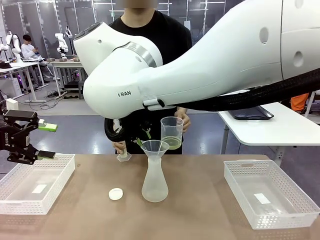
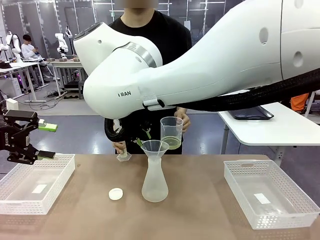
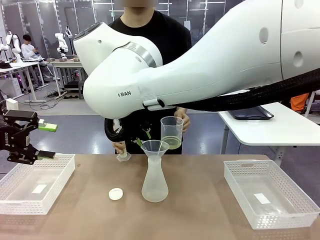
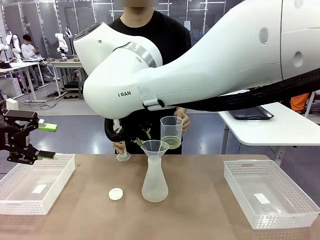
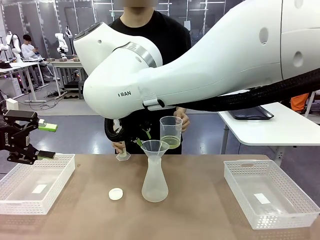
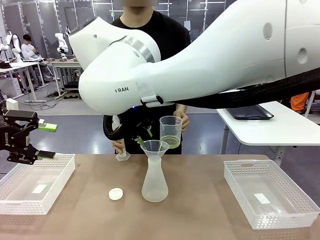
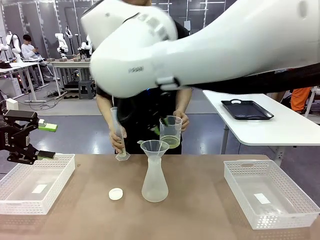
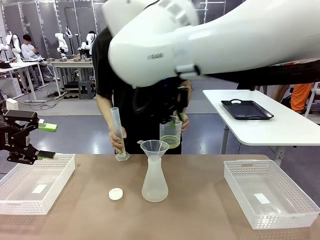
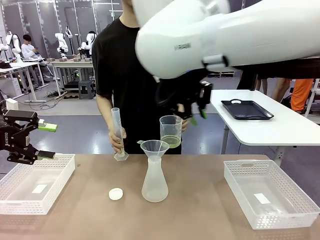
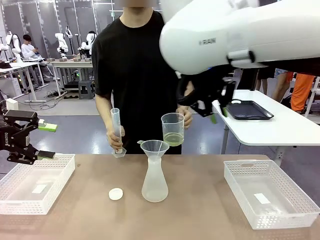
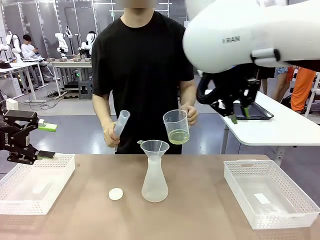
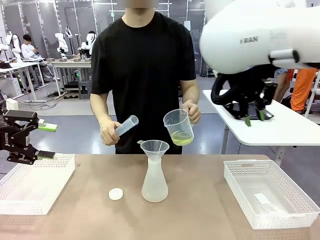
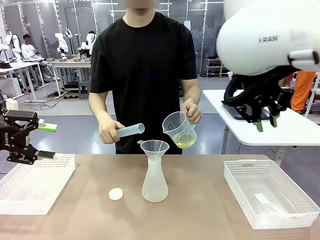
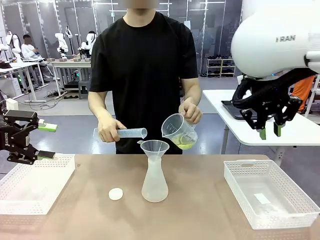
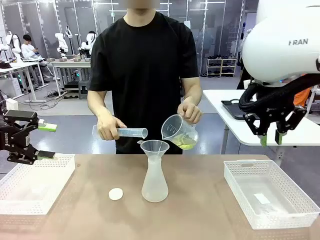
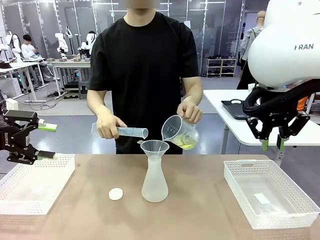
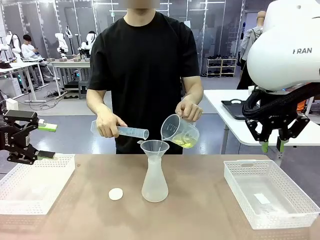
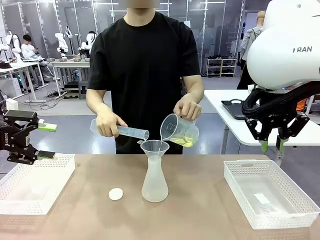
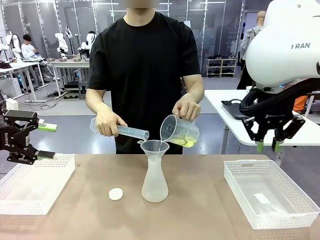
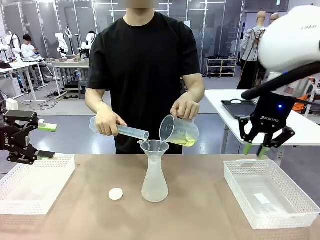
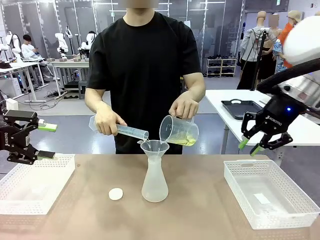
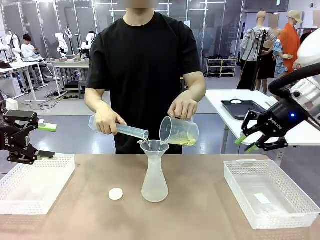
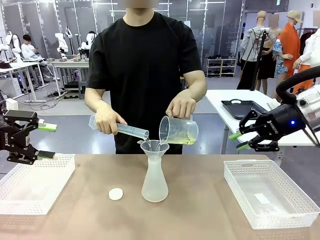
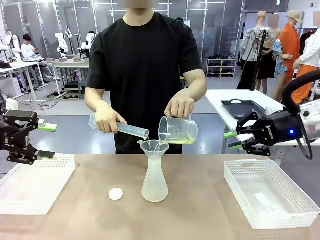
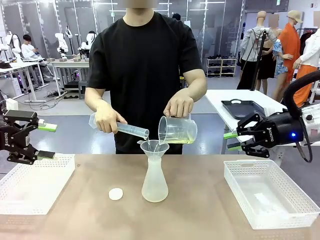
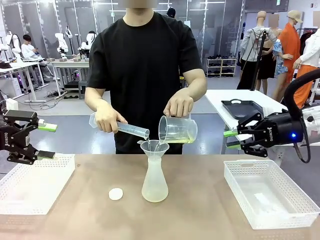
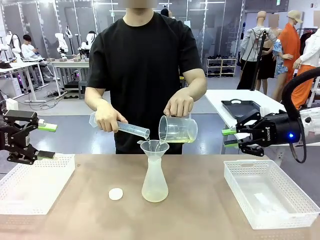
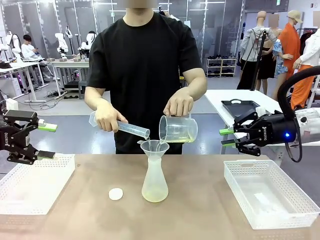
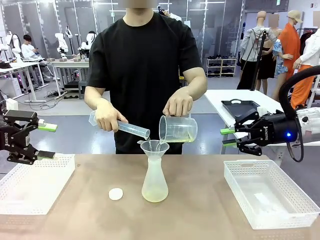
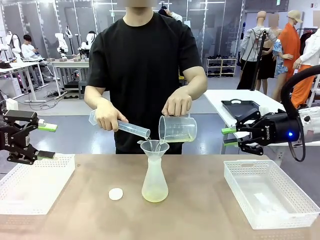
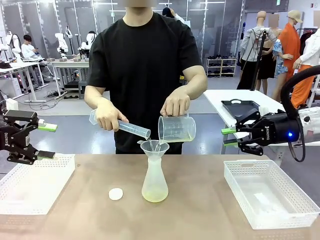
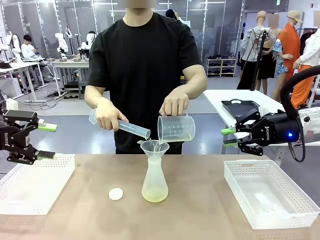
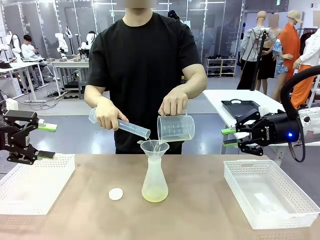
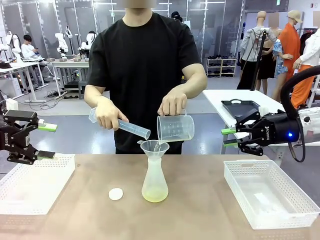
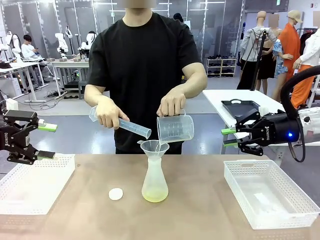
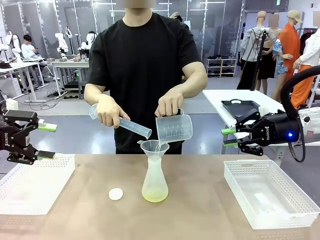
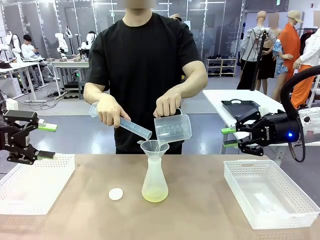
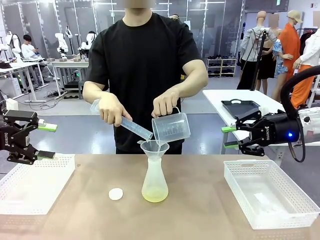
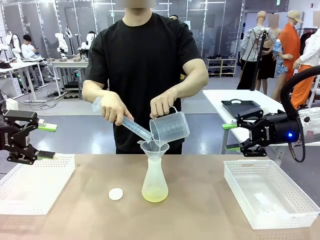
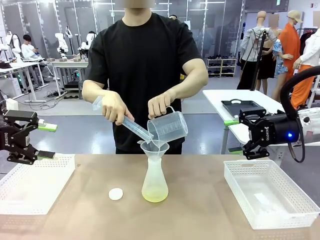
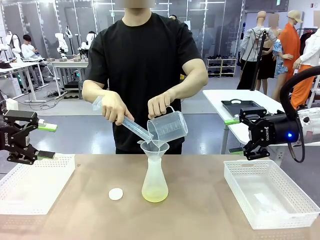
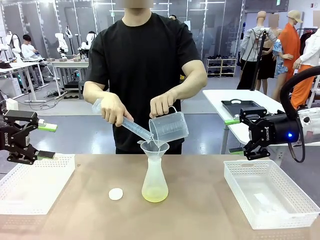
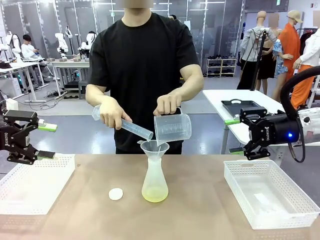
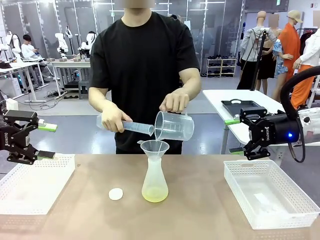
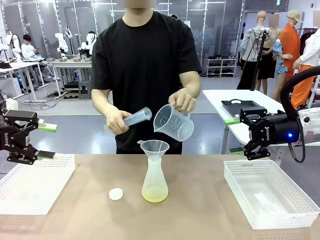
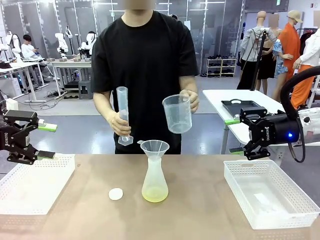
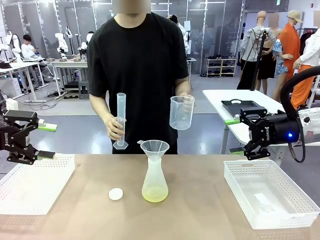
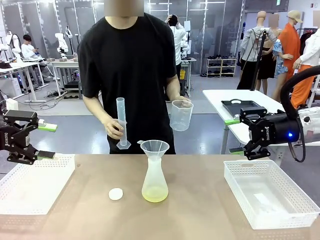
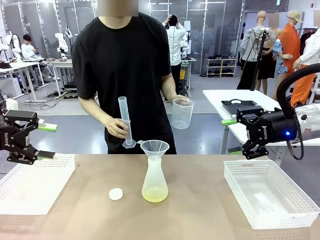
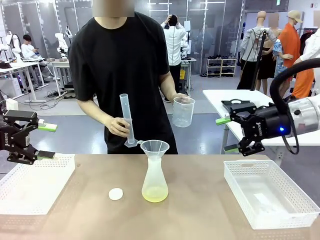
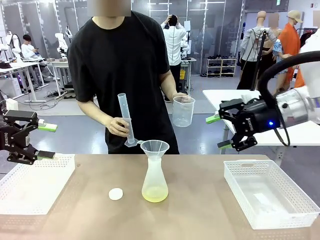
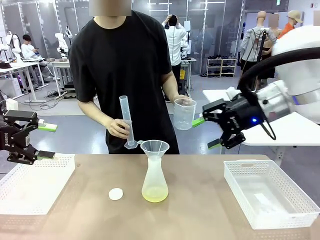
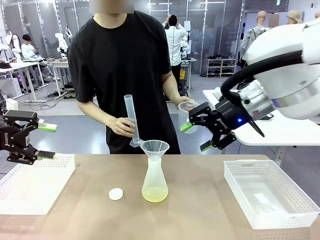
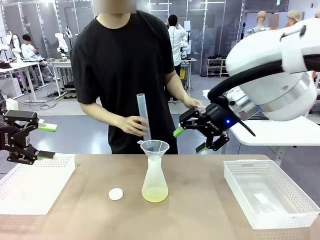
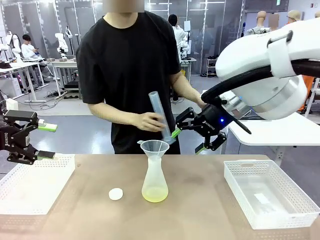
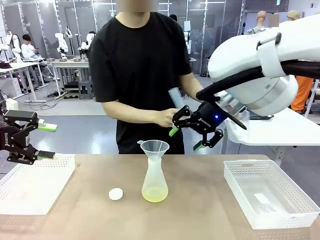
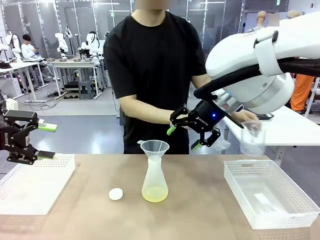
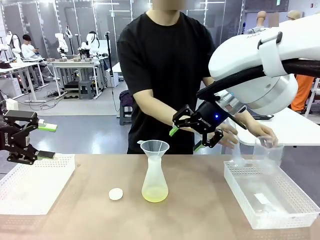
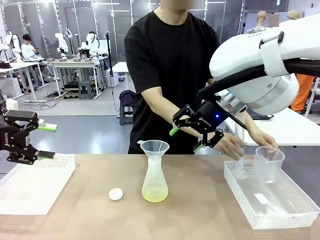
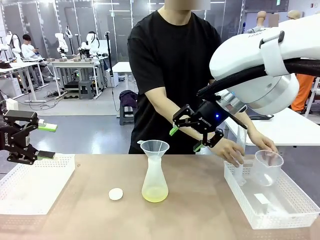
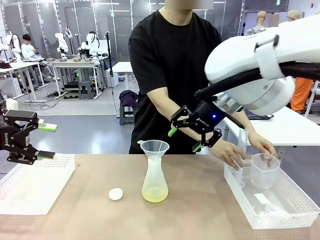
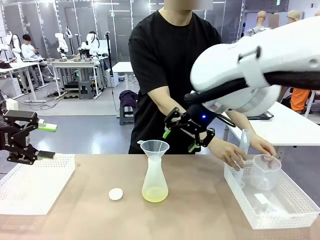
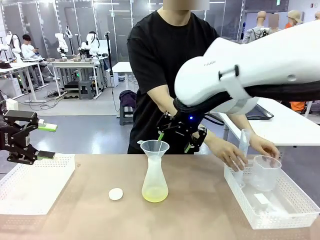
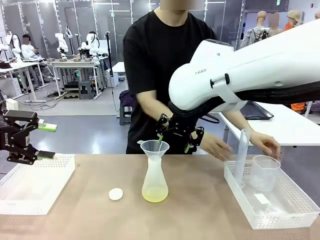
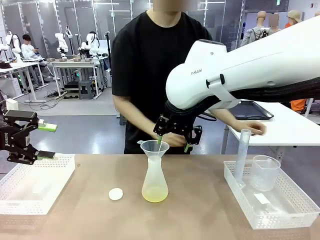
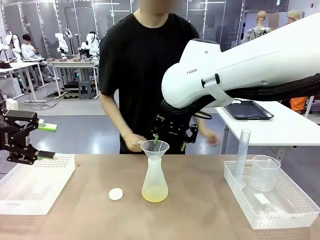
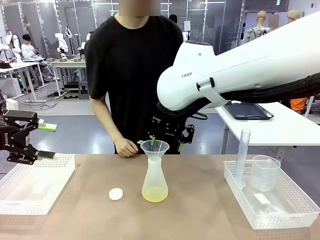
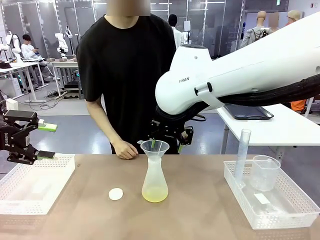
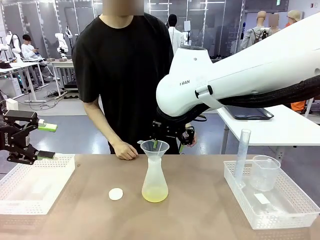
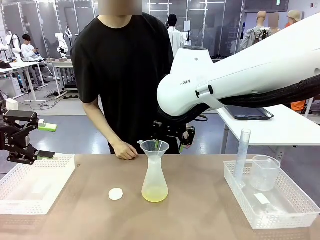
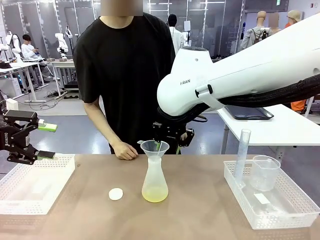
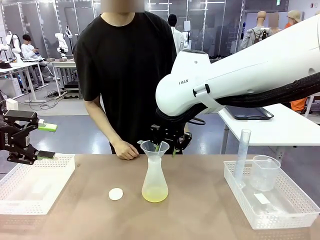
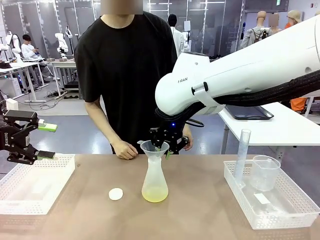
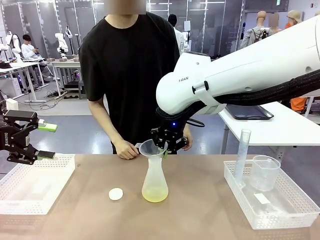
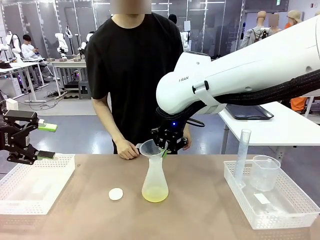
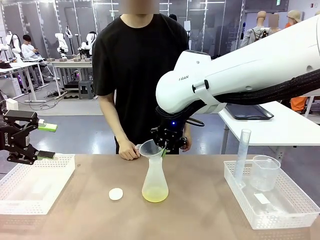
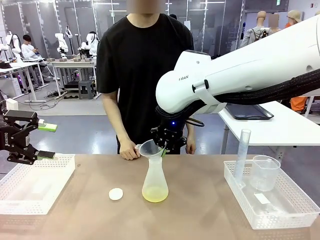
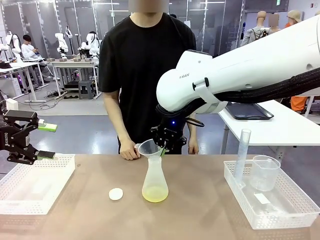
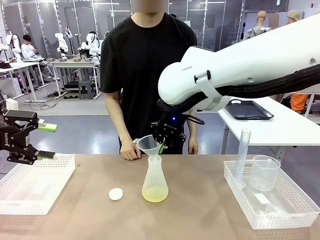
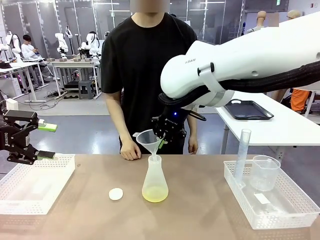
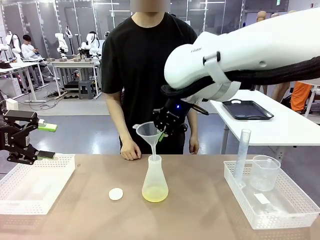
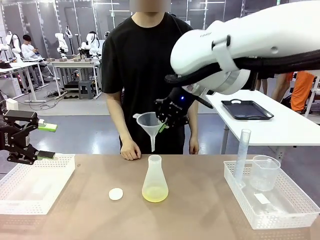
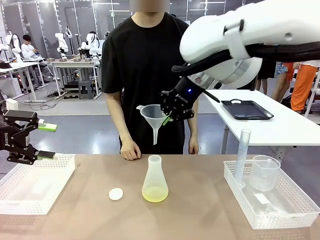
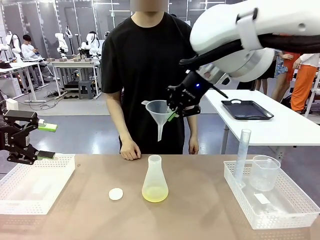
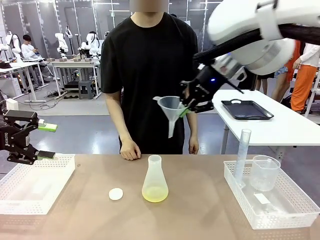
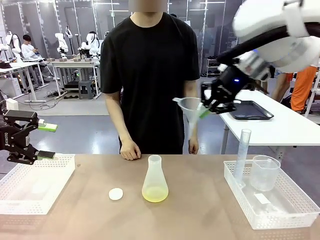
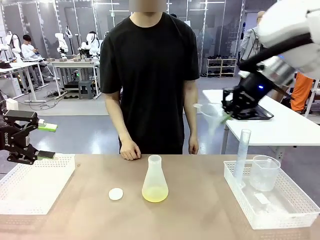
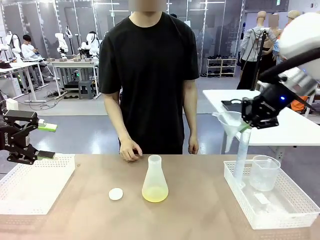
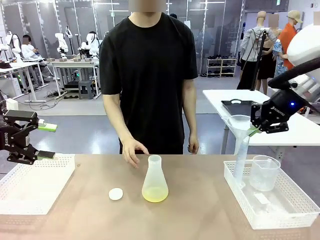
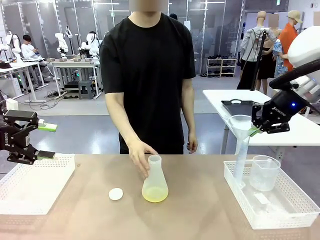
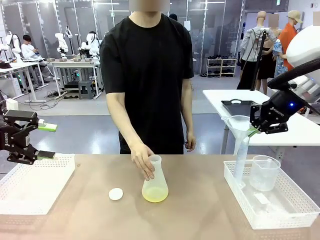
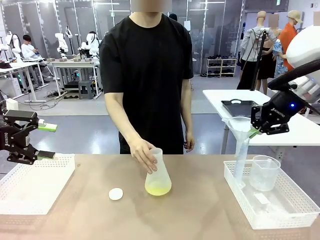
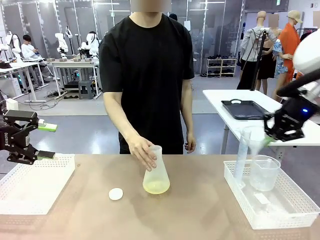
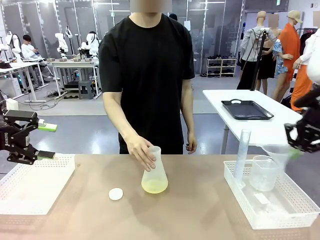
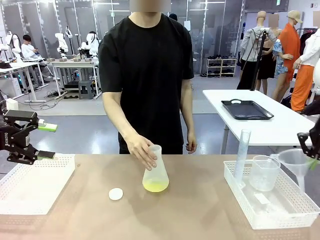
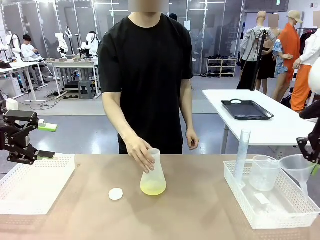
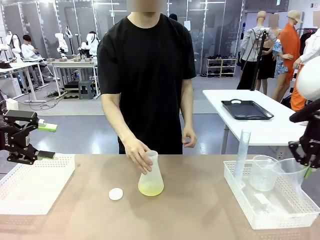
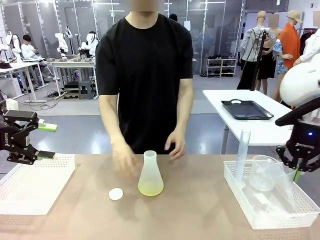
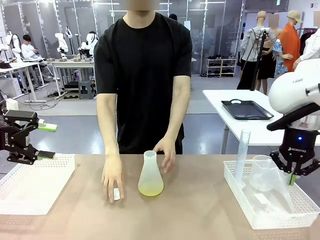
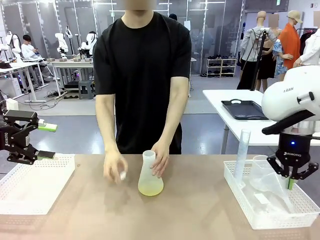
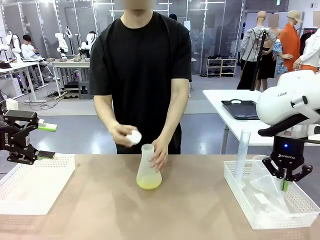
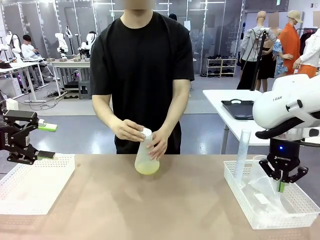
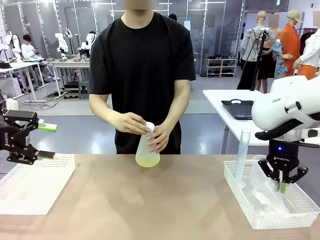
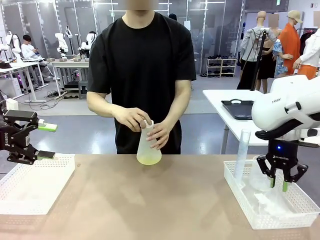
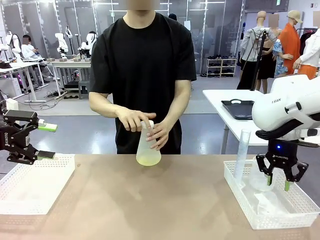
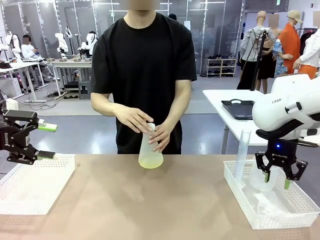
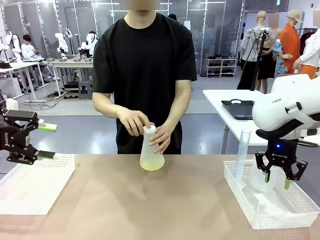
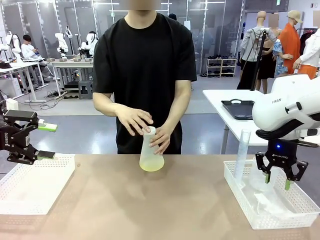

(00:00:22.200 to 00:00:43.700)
Task: Prepare the solutions needed for the experiment.
Robot: Once the solution is in the Big flask , pick up the Plastic Funnel and place it back into the right Organizing basket.
Person: Place the beaker and the cylinder into the organizing basket on the left side. Pick up the flask, gently shake it 2–3 times, place it in the middle of the robot table, and close the lid.
